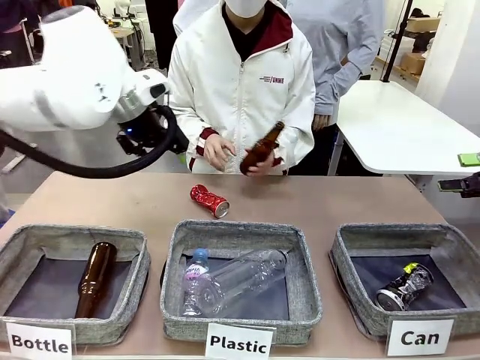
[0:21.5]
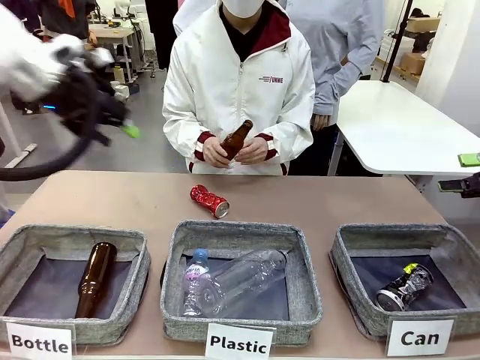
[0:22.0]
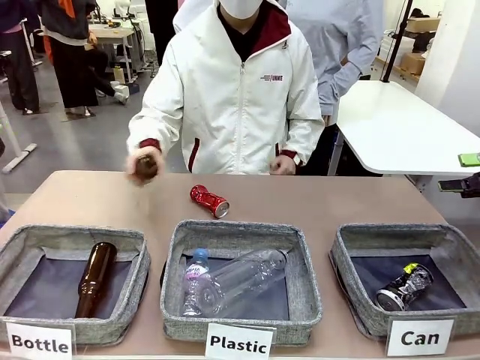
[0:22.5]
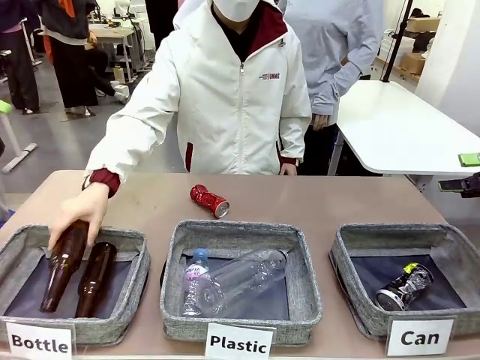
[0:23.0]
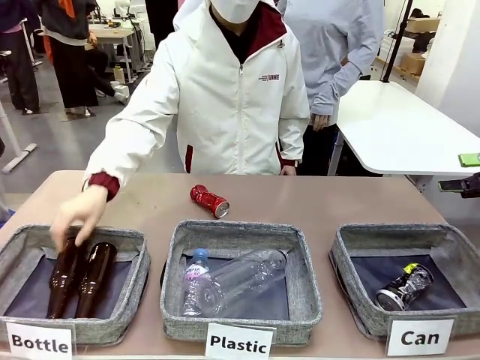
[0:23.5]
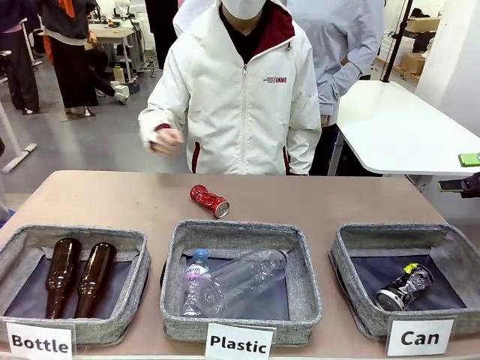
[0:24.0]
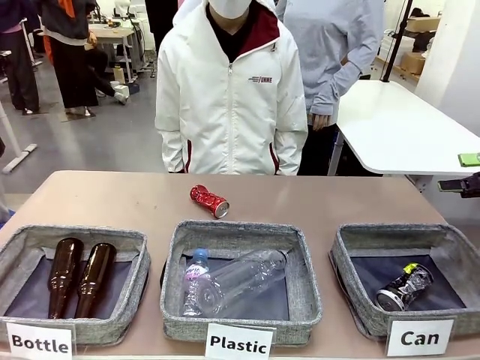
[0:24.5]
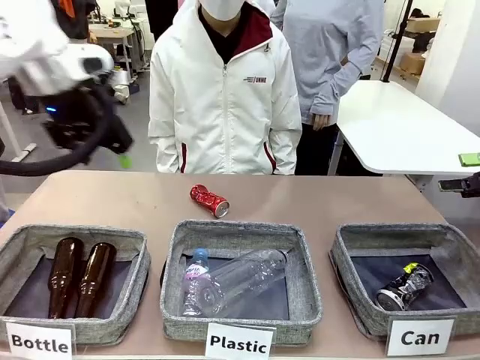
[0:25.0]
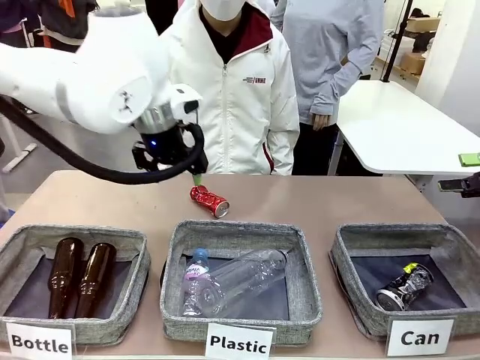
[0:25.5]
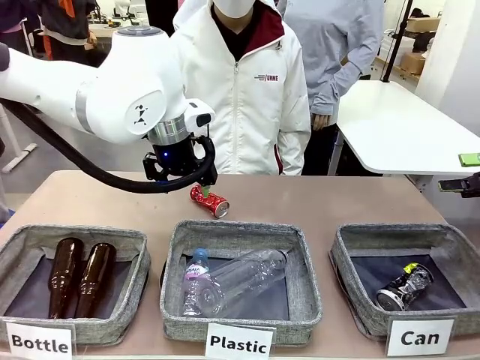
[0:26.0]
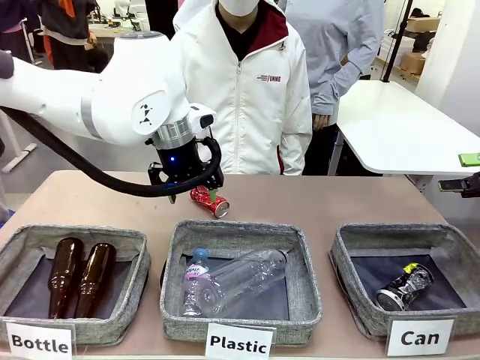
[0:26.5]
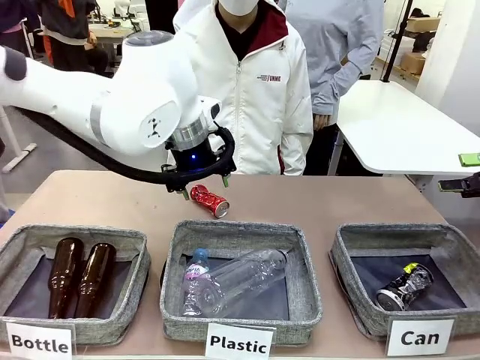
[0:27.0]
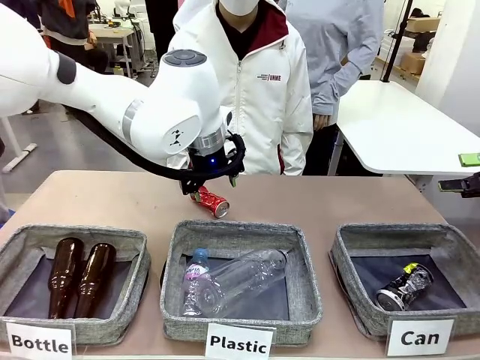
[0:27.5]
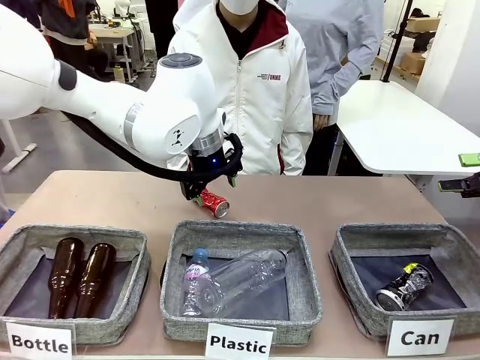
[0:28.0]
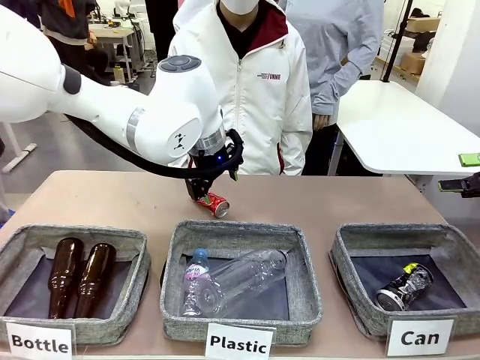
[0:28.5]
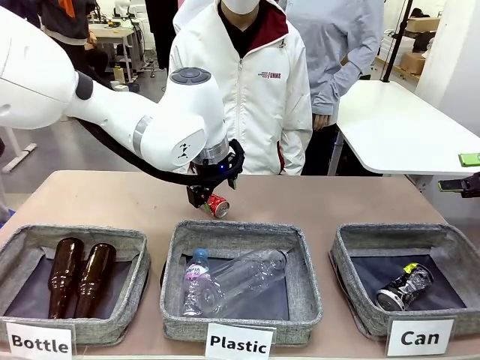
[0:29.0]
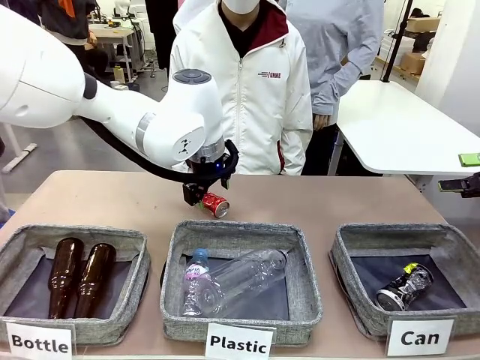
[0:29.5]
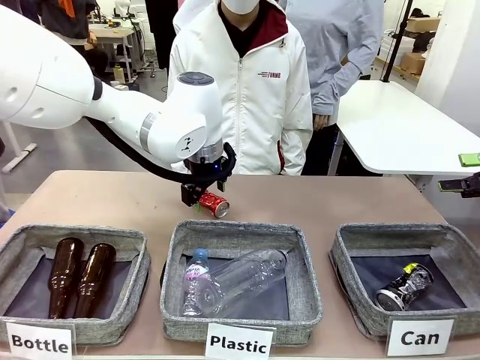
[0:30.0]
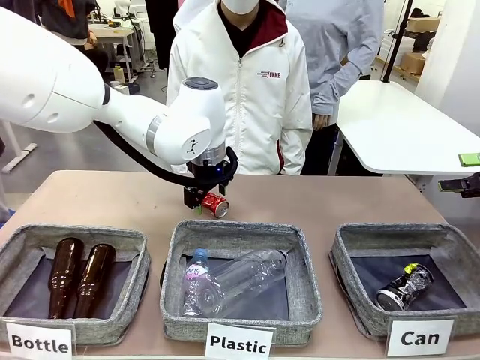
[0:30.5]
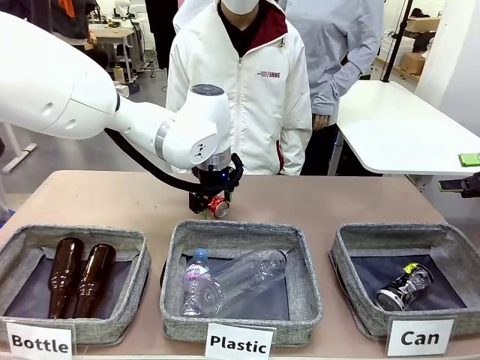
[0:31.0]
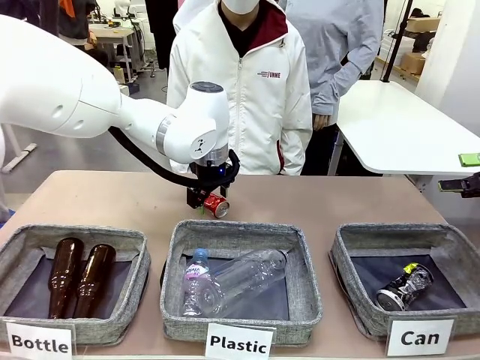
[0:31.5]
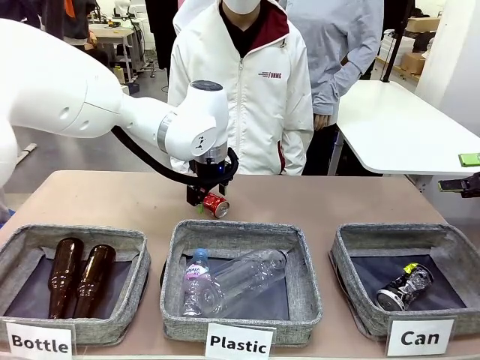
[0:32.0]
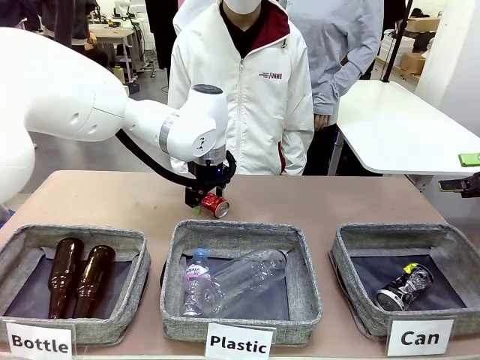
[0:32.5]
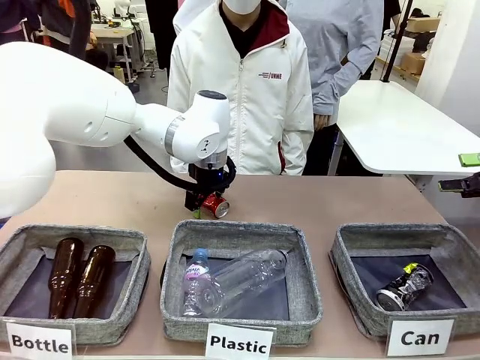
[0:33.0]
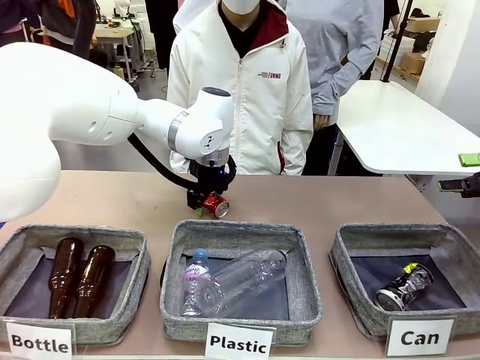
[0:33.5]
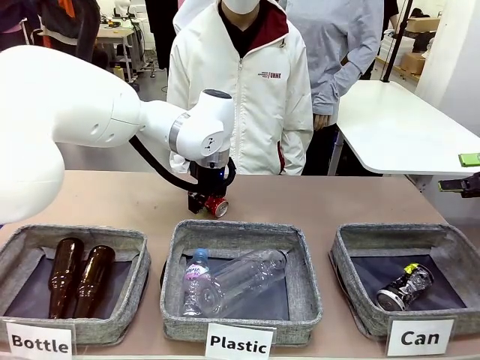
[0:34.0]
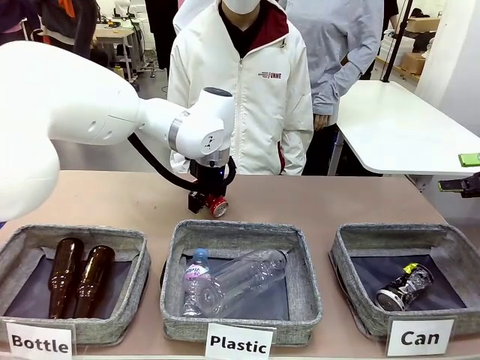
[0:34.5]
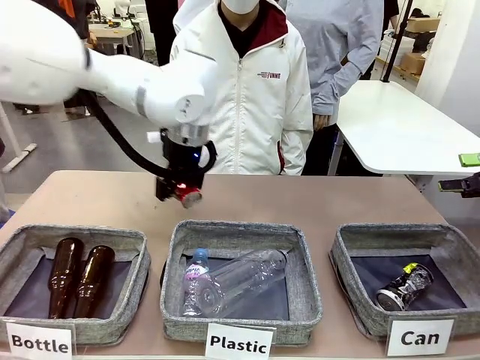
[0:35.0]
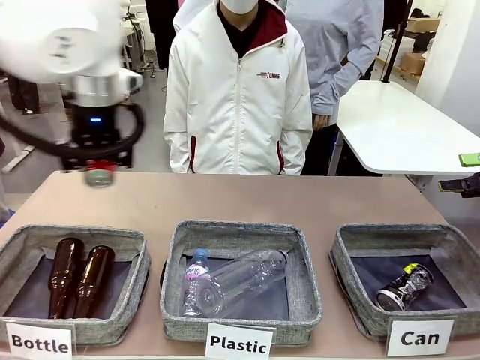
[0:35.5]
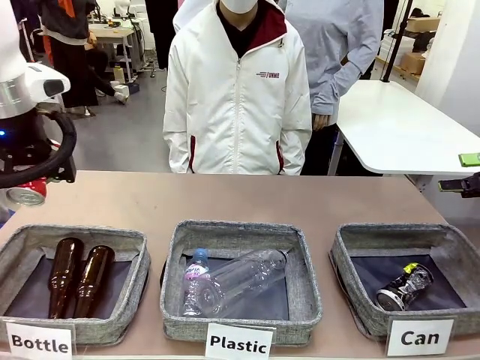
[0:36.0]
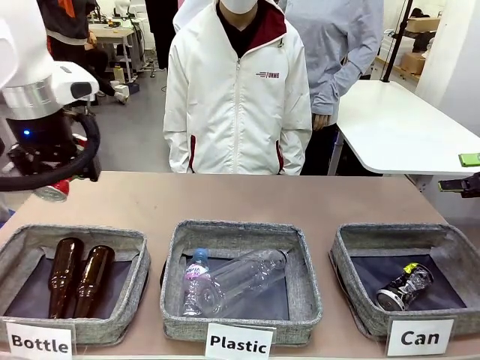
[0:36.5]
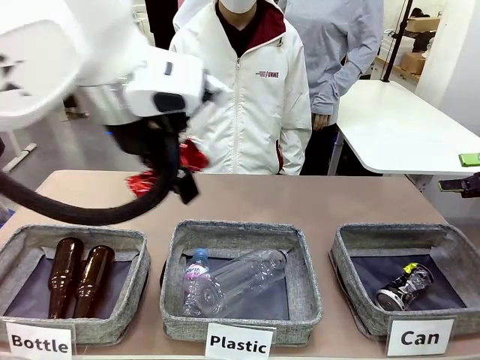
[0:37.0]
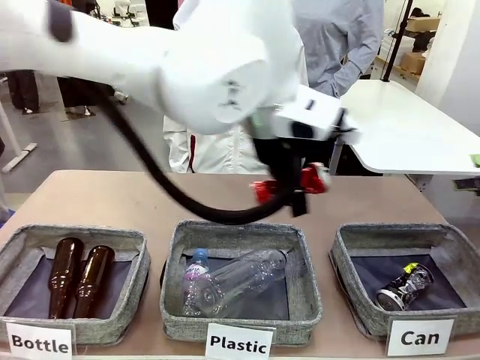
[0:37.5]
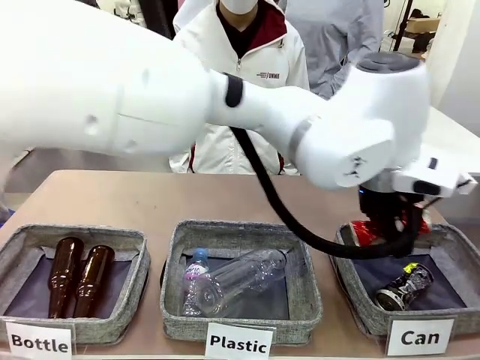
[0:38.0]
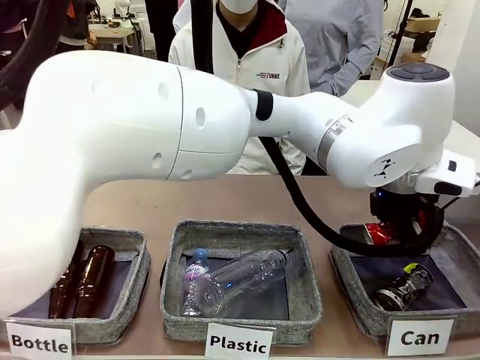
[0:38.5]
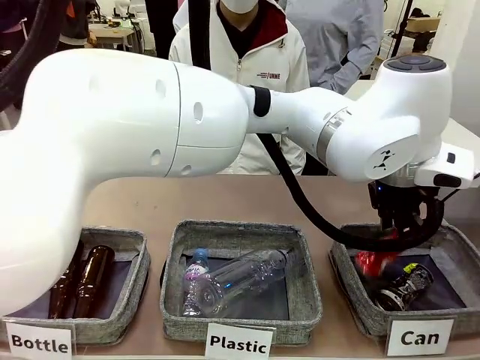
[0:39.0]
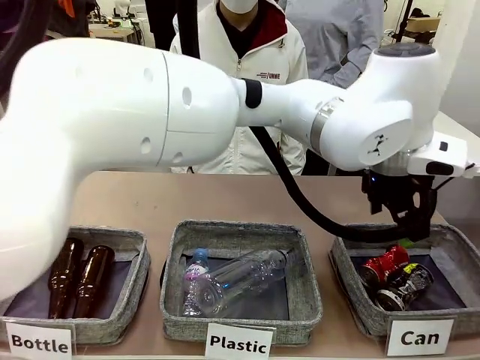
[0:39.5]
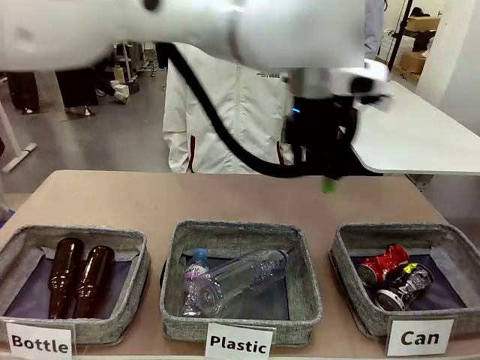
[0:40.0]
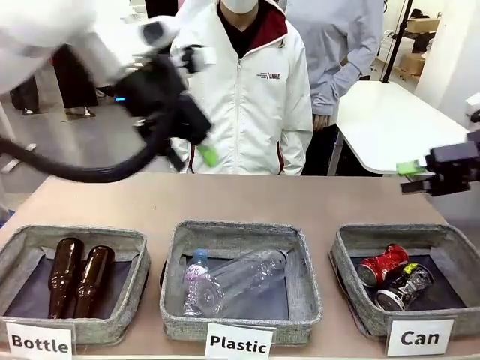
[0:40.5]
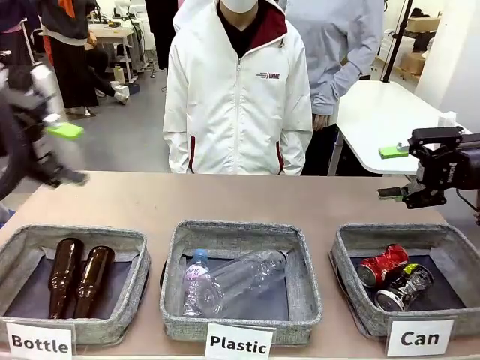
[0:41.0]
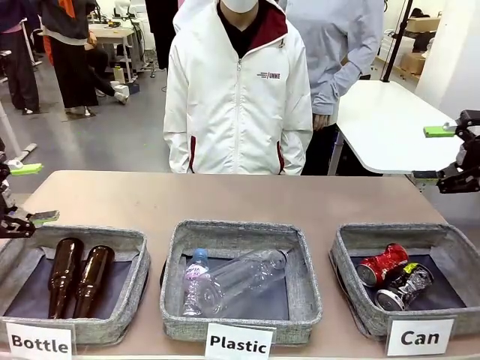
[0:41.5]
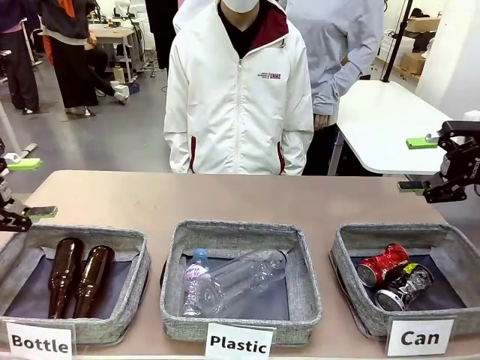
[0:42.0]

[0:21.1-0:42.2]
Task: Sort the can waste into the basket.
Robot: Pick up the can waste from the table and place it in the right Fabric basket.

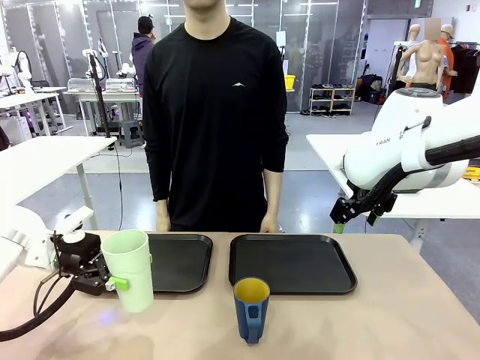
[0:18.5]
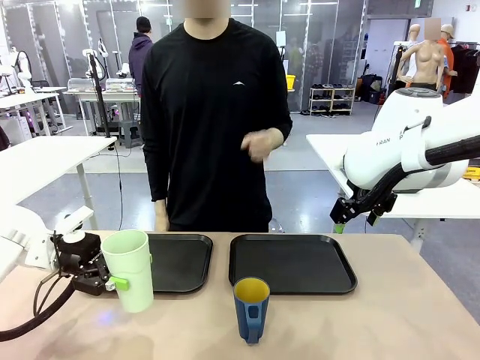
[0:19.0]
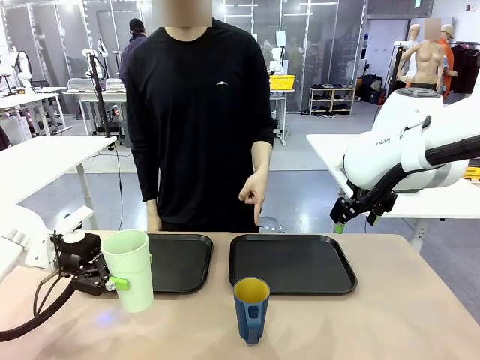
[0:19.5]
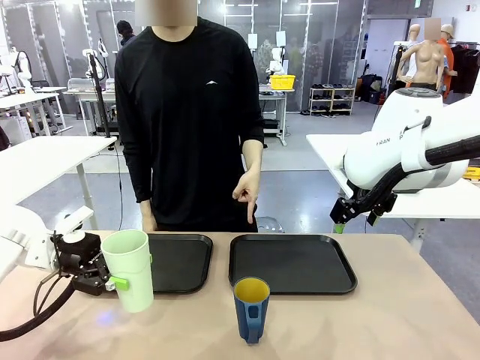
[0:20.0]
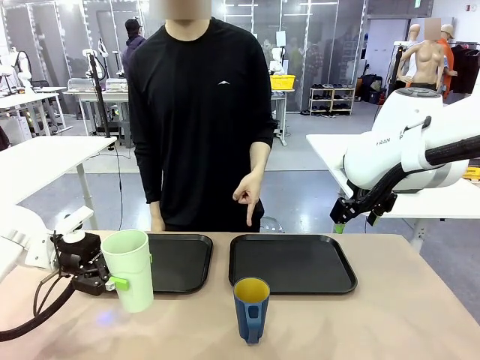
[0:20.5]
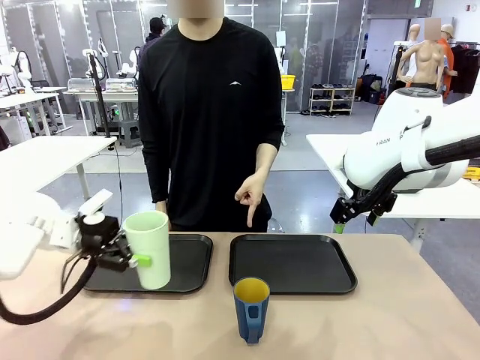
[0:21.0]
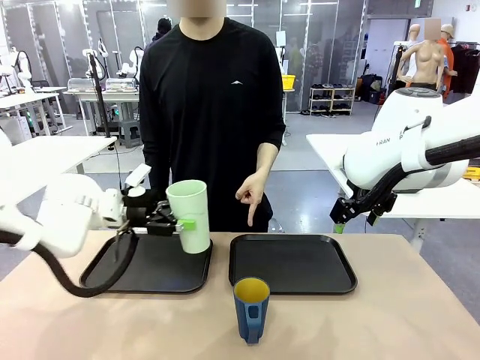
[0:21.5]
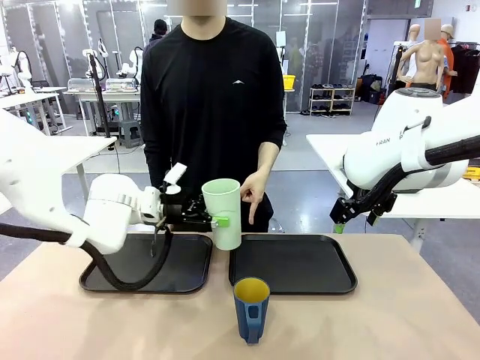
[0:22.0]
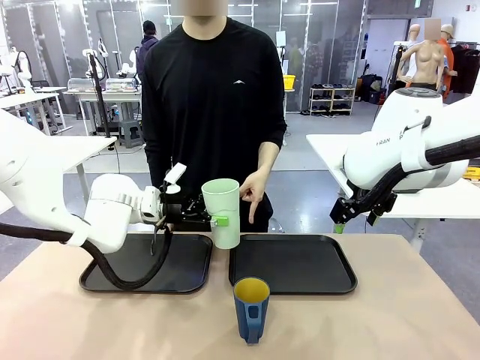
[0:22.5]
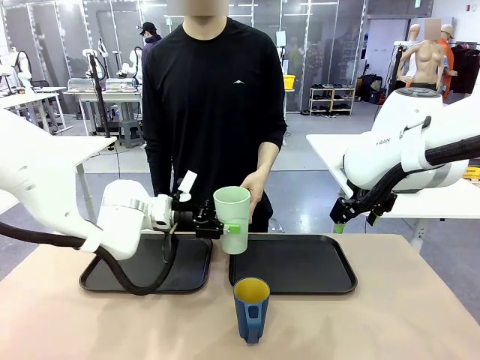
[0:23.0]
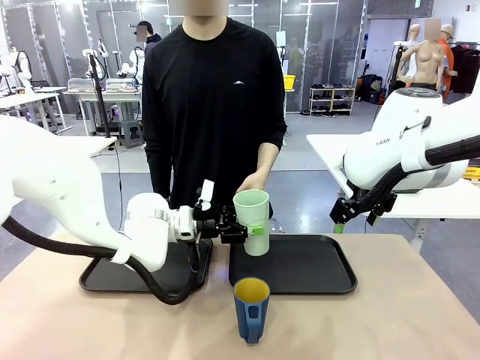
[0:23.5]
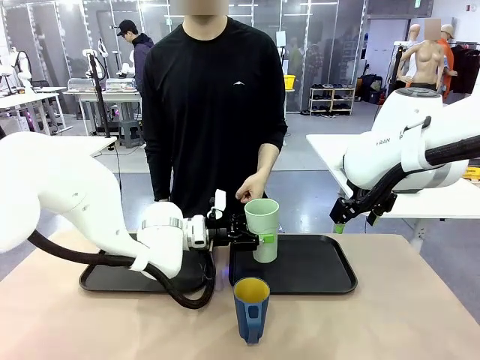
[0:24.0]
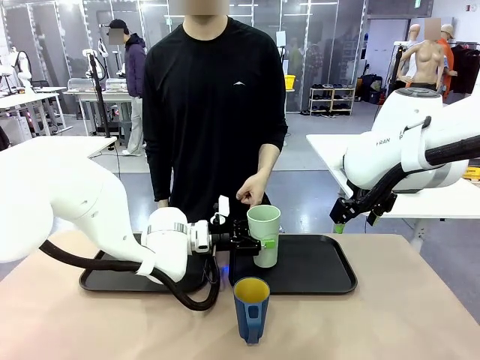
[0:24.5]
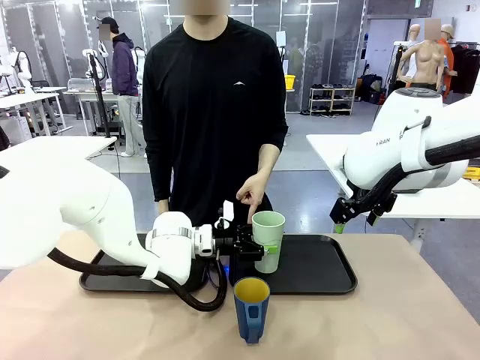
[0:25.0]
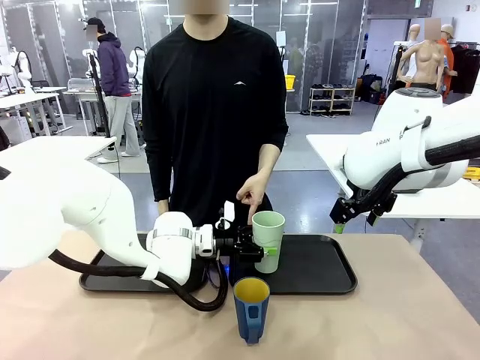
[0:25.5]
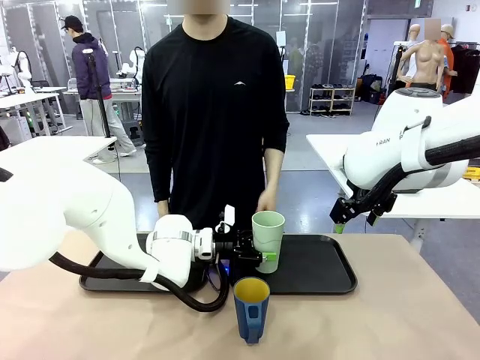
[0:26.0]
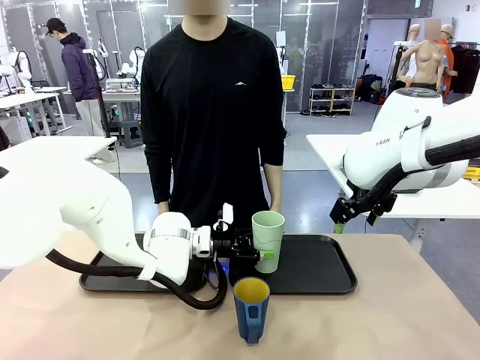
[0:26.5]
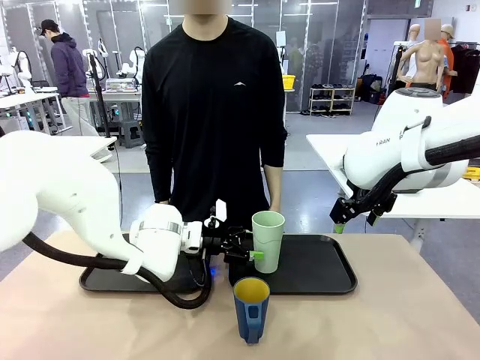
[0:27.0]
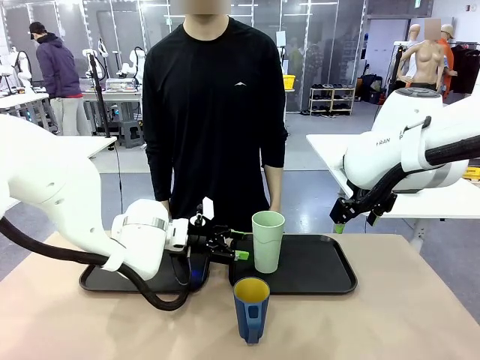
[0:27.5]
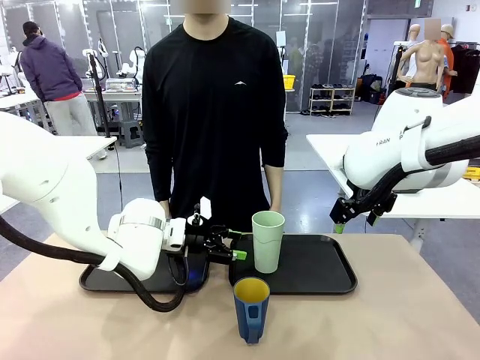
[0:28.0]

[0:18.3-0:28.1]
Task: Sort and store the cups by type.
Robot: Place the picked Reusable plastic cup into the Flat Tray indicated by the person.
